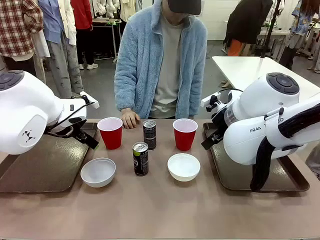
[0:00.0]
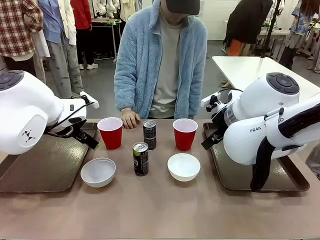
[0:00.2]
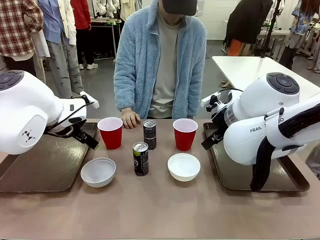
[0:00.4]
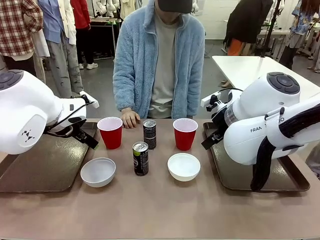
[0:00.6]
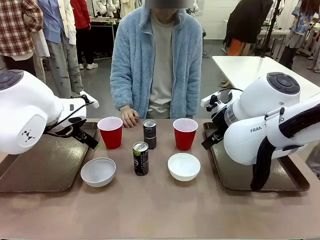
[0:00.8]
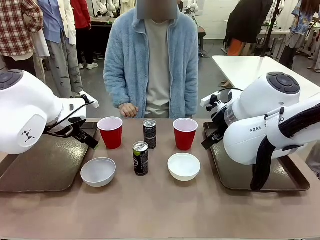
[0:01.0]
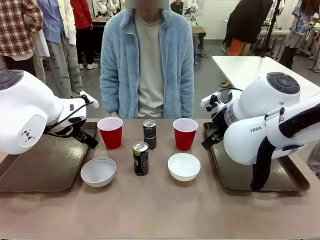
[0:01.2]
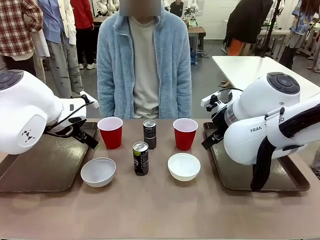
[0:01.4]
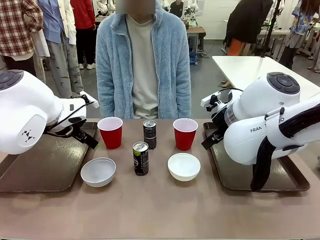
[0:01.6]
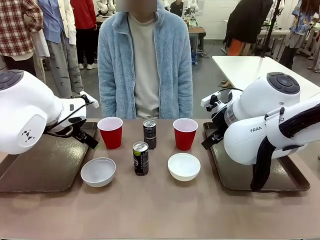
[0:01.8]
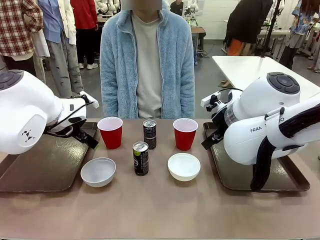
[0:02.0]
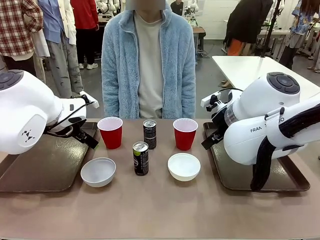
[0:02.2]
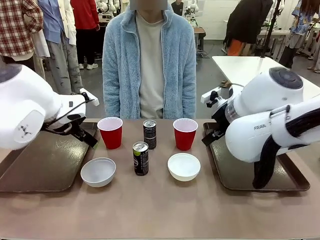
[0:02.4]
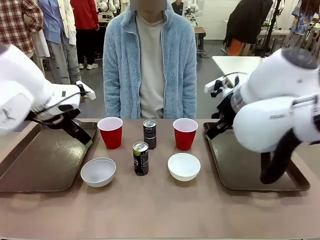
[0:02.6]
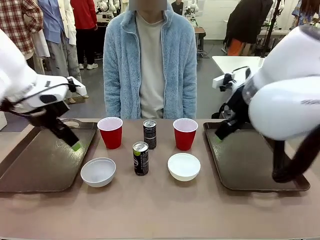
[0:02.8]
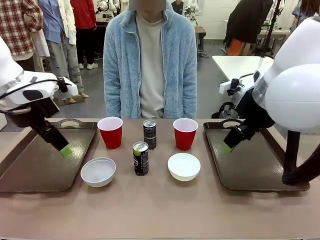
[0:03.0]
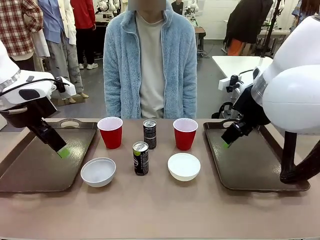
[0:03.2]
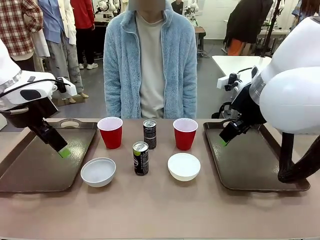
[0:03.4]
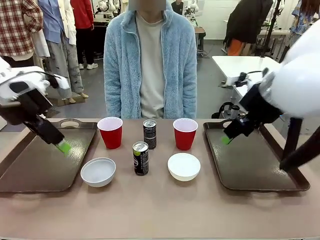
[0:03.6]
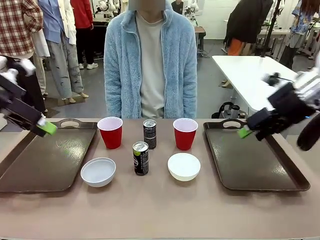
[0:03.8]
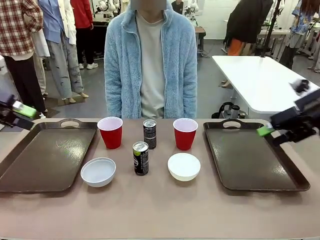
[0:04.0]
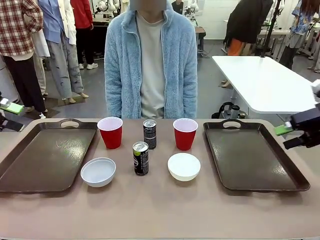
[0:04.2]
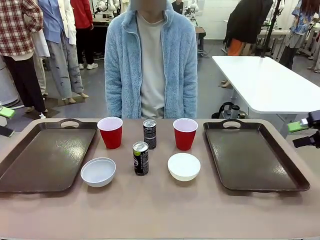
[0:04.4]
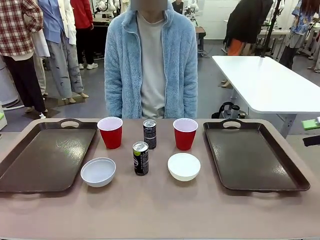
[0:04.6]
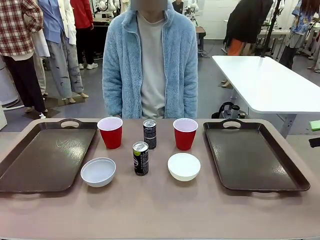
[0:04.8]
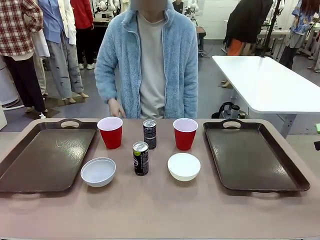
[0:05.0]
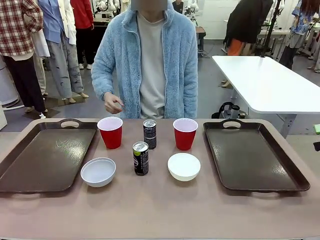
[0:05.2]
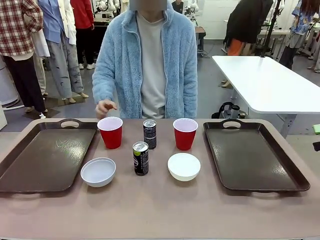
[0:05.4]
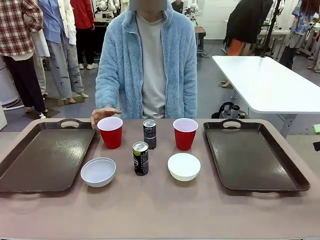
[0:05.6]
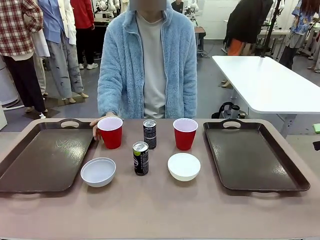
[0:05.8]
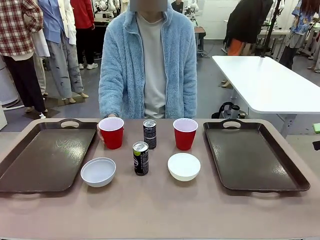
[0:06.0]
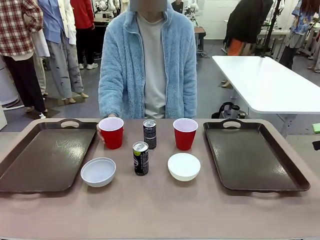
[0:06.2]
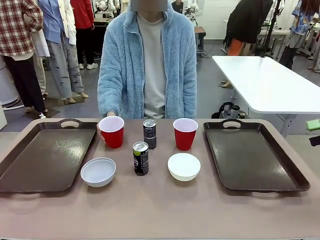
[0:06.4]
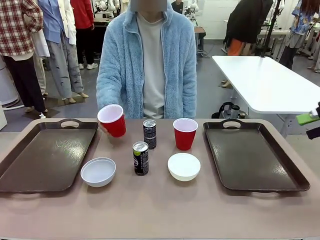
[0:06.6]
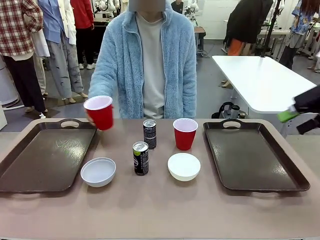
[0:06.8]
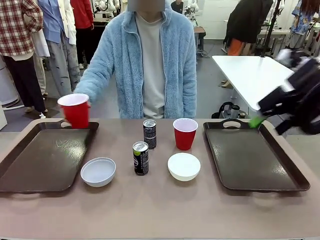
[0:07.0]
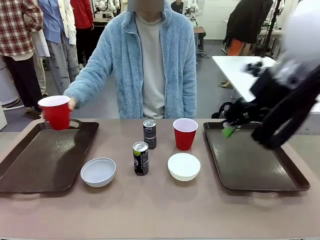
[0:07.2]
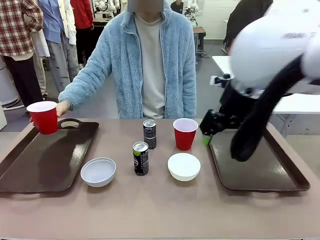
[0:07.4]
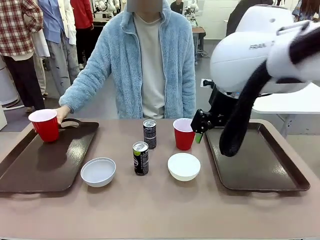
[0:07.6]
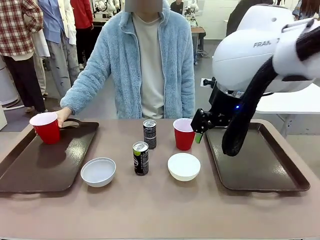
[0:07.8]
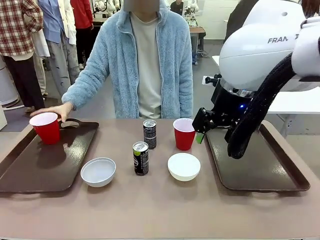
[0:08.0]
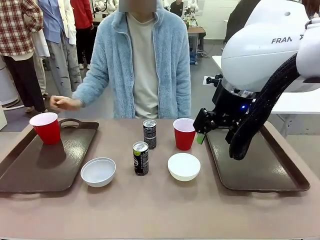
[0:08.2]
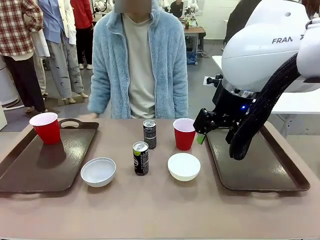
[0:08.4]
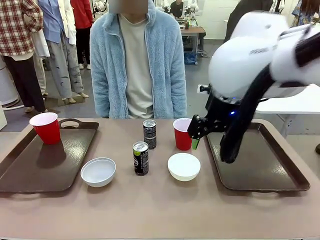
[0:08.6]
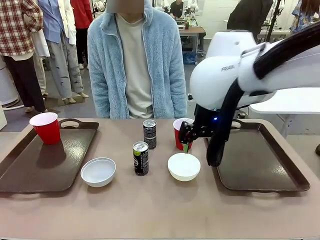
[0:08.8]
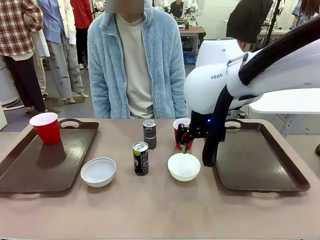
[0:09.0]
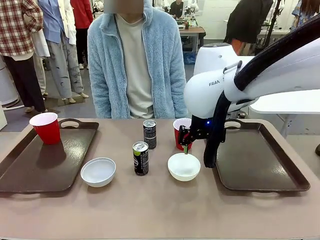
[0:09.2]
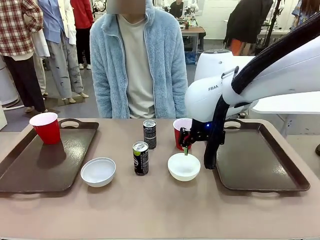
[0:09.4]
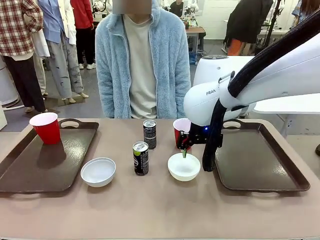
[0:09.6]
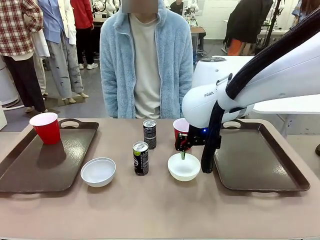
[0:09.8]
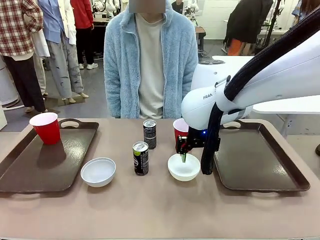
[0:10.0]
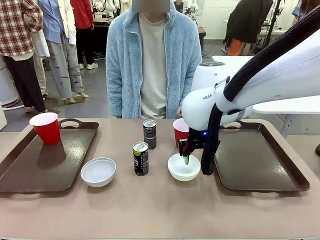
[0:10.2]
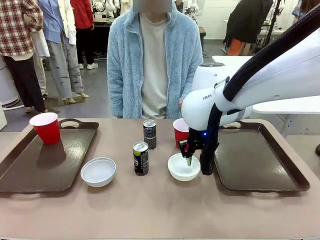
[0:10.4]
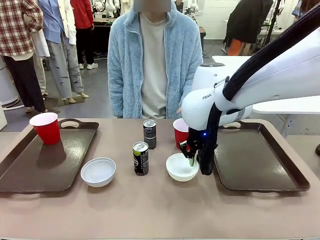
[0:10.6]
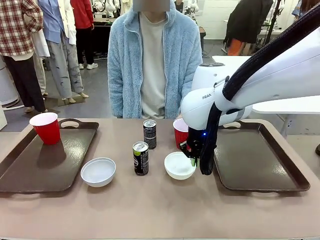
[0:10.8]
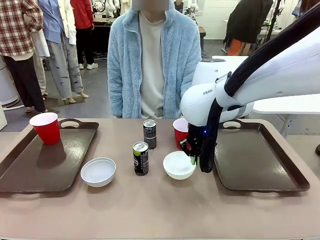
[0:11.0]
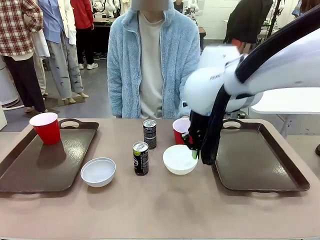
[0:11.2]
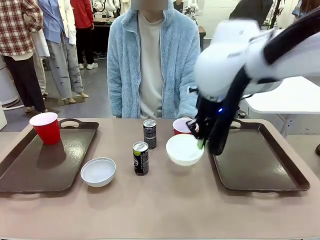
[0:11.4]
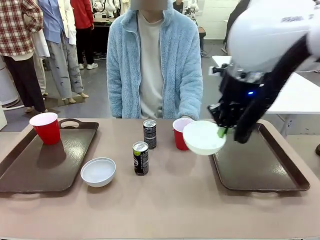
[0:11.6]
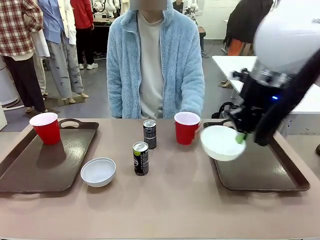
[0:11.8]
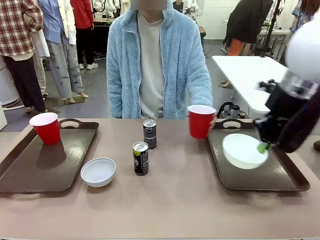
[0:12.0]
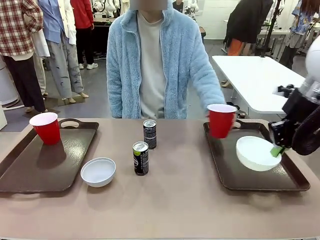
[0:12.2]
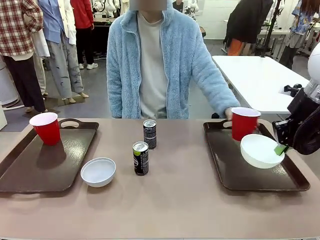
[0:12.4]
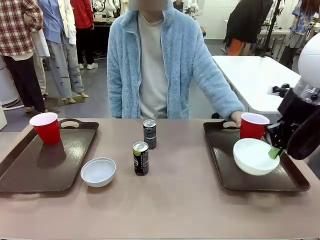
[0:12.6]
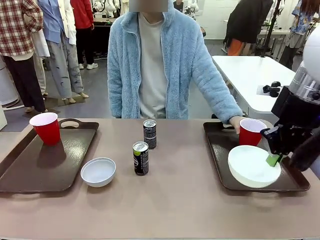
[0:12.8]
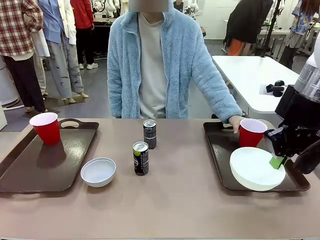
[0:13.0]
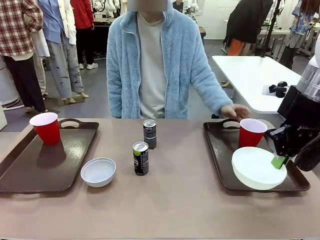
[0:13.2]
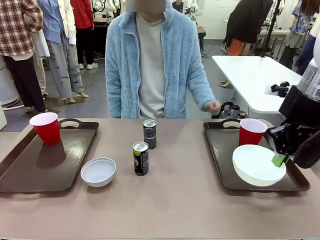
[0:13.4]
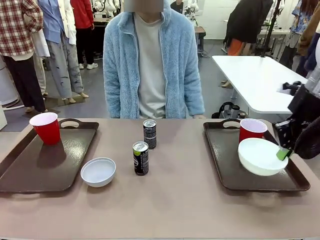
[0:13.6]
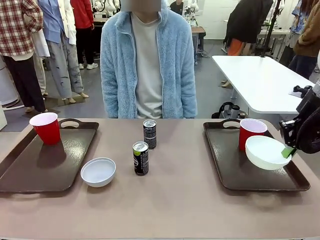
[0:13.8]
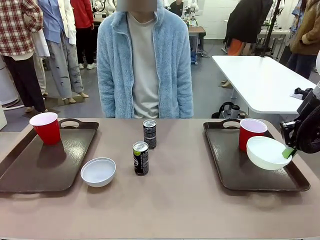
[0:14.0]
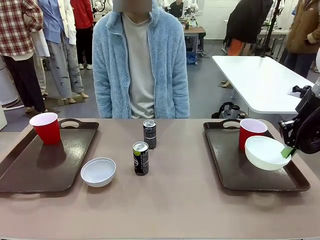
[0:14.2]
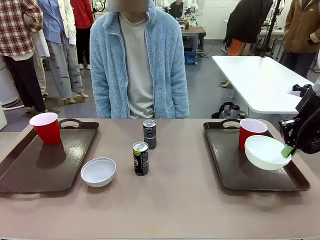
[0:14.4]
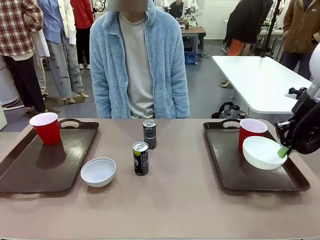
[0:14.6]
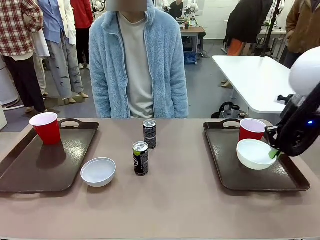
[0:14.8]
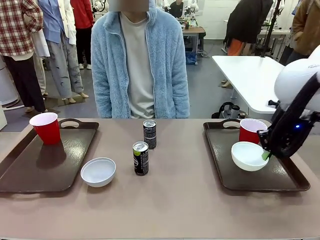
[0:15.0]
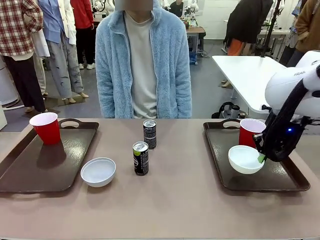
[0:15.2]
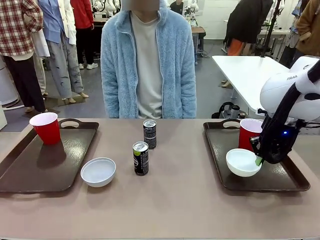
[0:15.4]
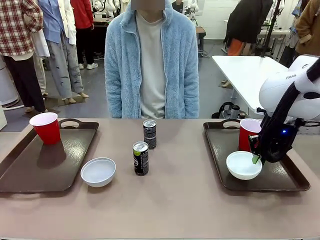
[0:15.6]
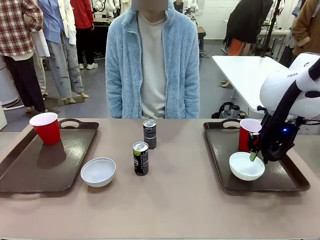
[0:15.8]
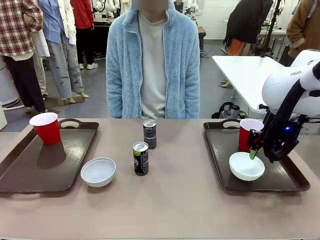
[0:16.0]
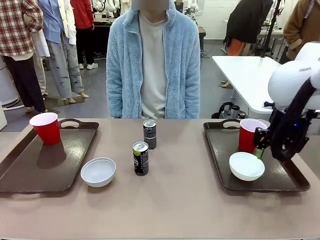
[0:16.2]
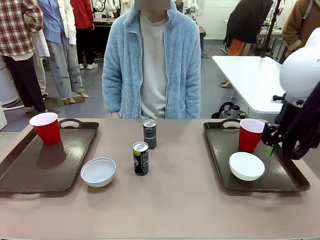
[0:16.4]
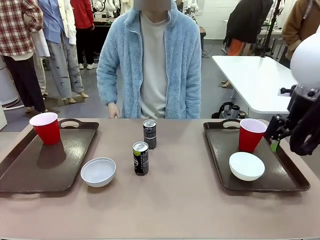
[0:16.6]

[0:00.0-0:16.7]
Task: Prepare tableware on both trays.
Robot: Pick up a Picnic Bowl from the table and place it on a Handle tray.
Person: Pick up a can or cup and place it on the tray.
